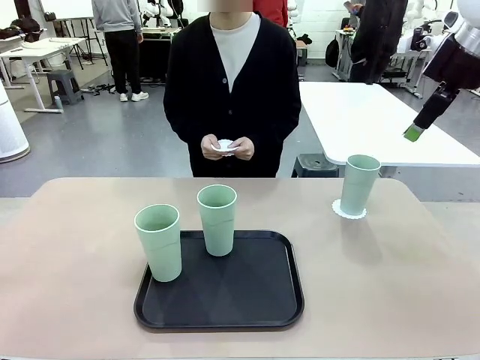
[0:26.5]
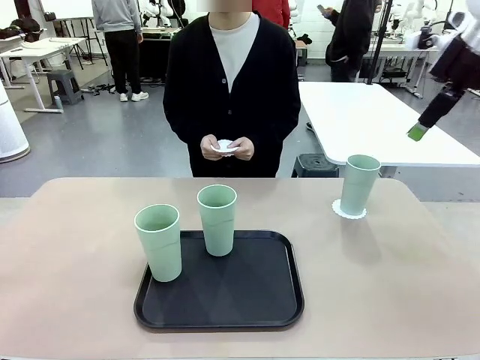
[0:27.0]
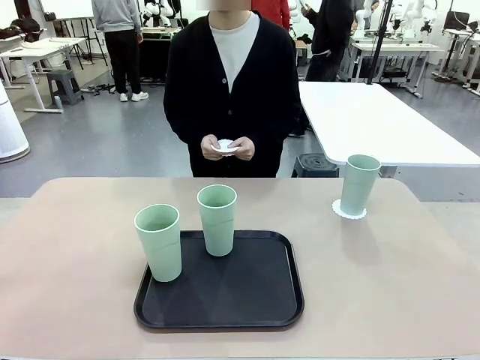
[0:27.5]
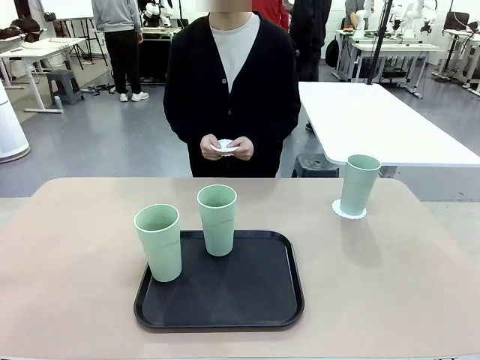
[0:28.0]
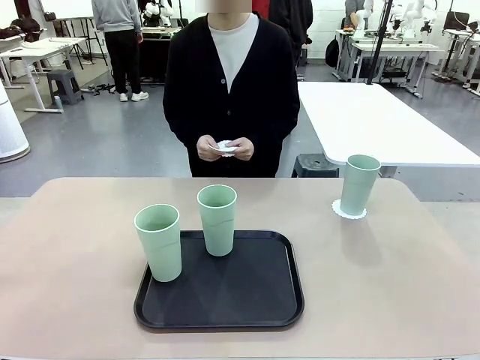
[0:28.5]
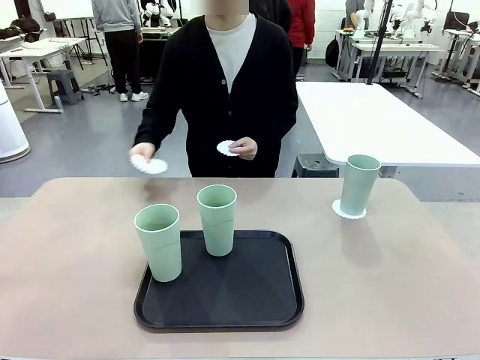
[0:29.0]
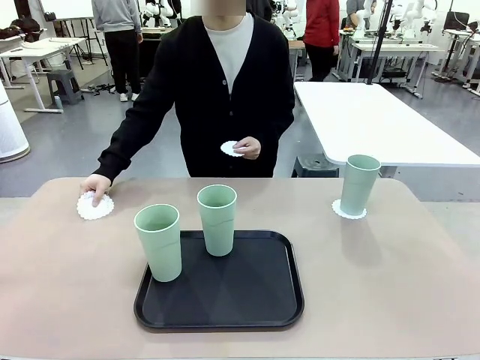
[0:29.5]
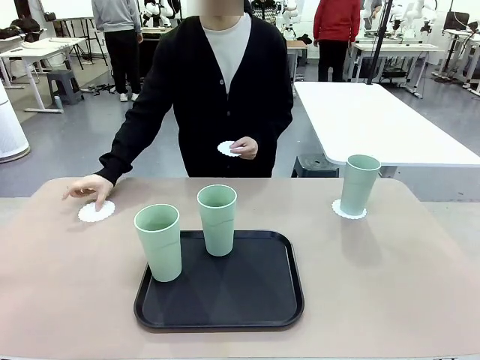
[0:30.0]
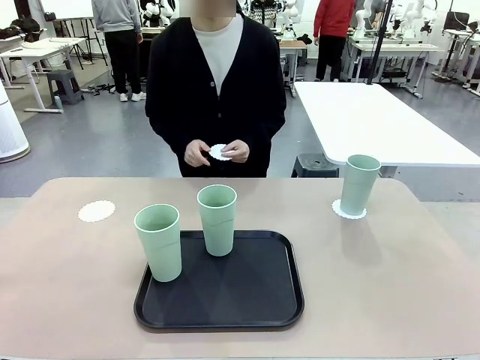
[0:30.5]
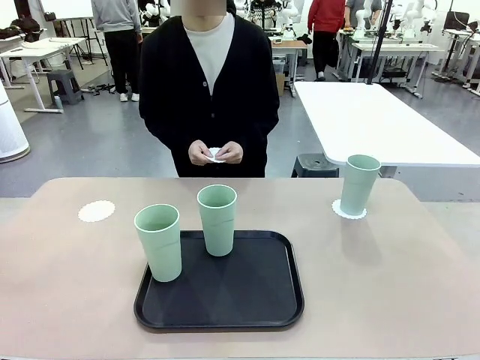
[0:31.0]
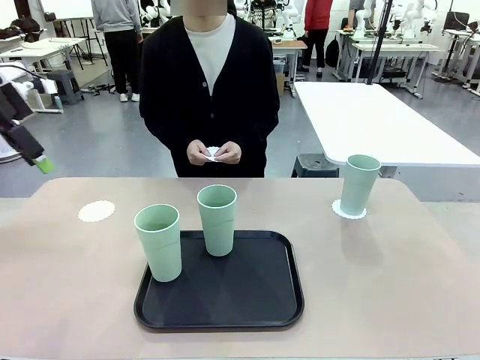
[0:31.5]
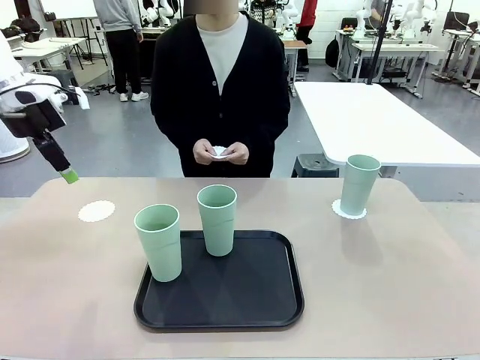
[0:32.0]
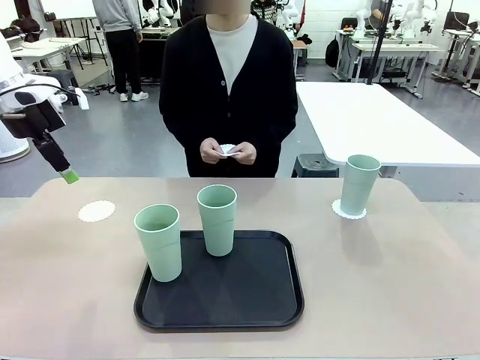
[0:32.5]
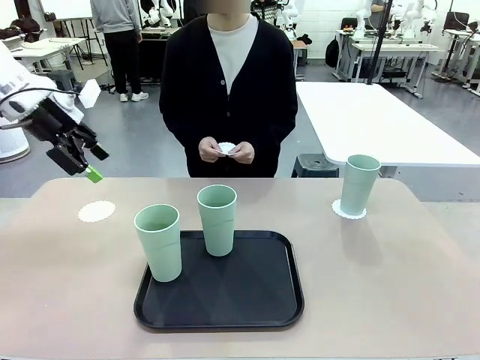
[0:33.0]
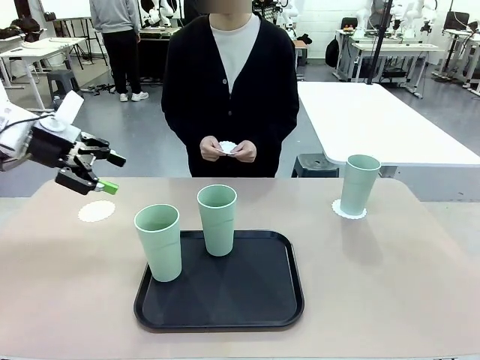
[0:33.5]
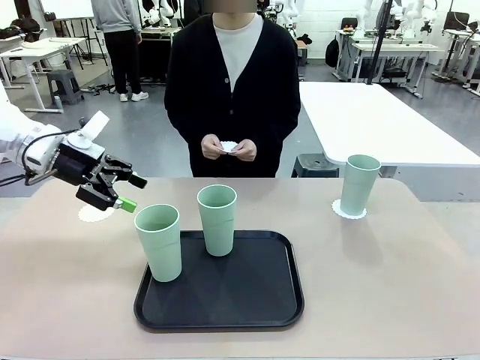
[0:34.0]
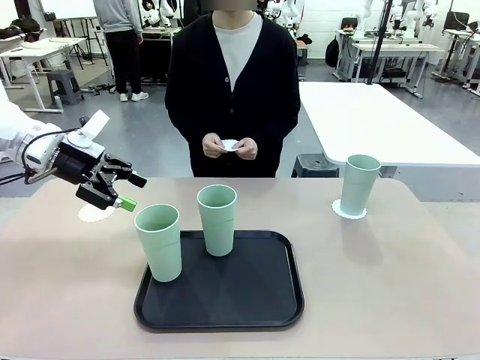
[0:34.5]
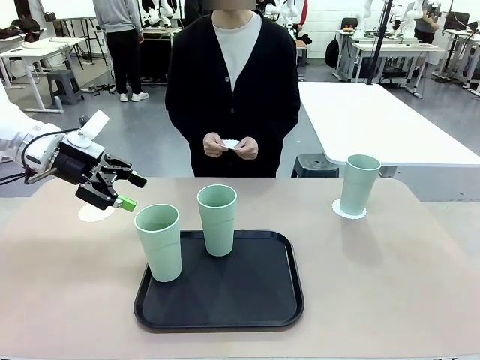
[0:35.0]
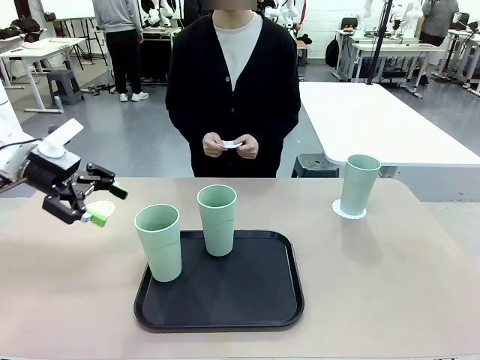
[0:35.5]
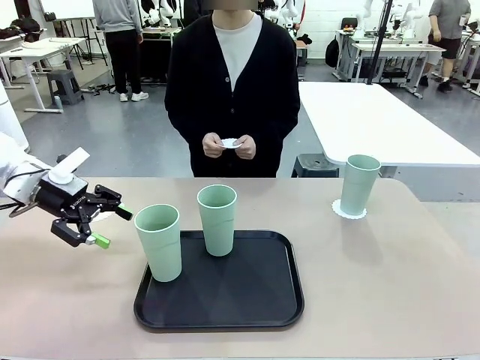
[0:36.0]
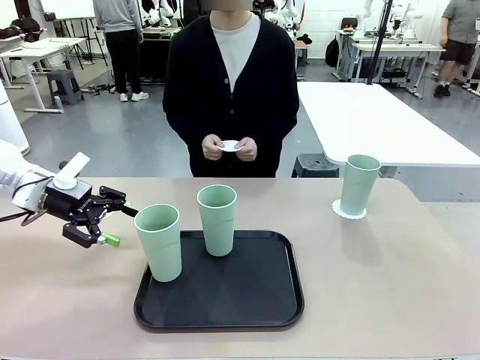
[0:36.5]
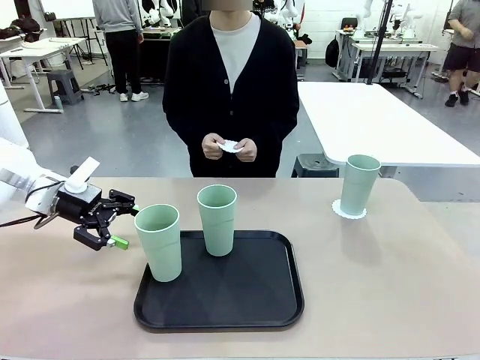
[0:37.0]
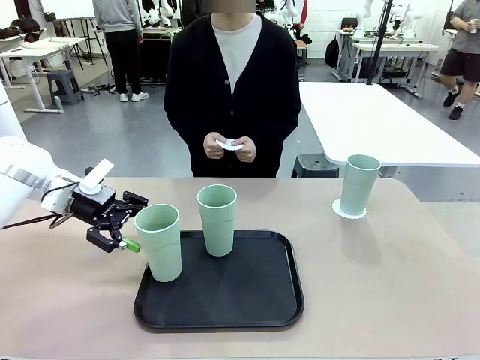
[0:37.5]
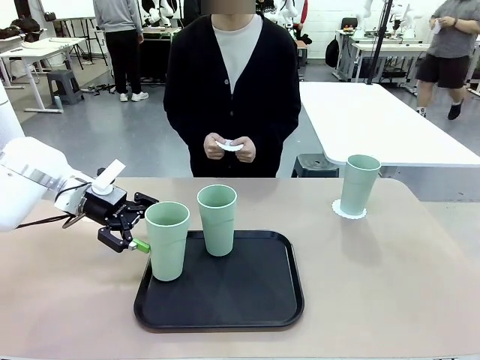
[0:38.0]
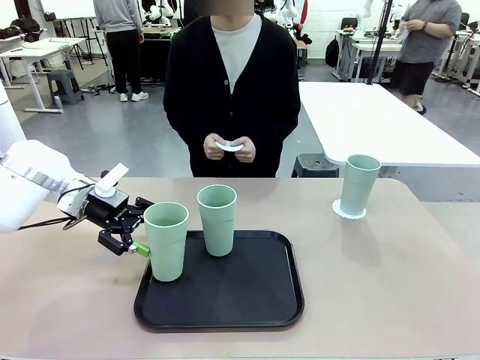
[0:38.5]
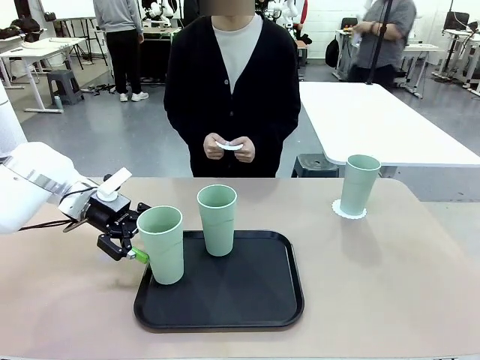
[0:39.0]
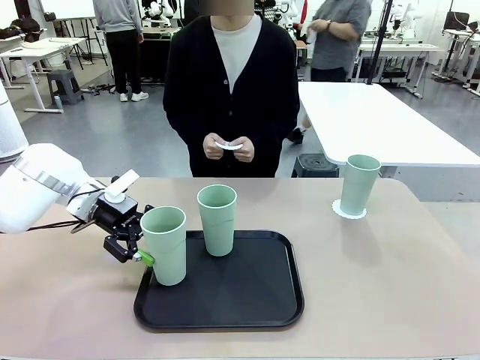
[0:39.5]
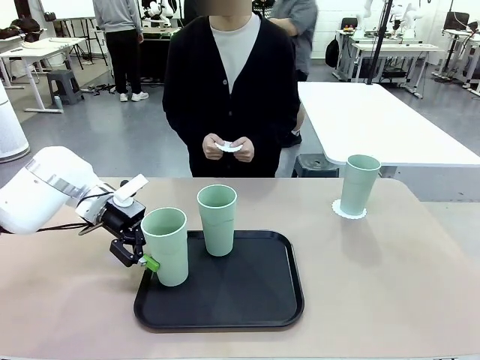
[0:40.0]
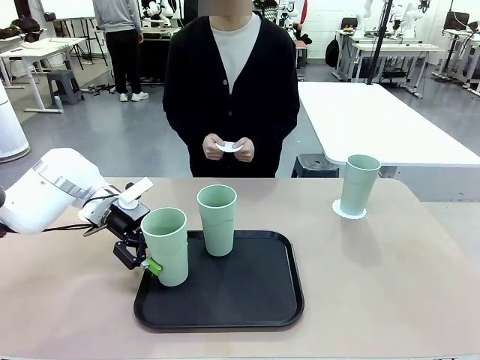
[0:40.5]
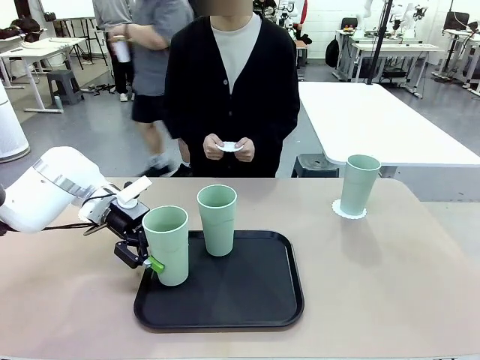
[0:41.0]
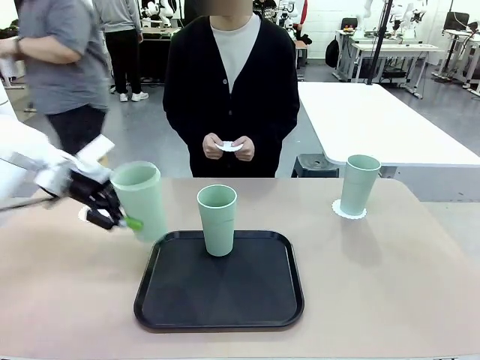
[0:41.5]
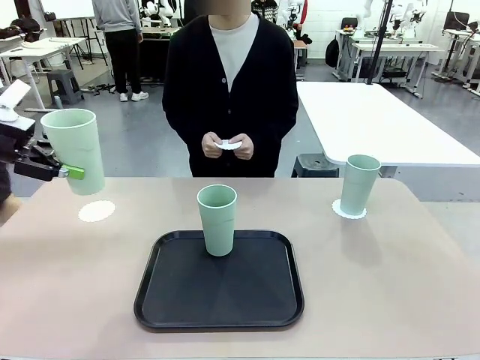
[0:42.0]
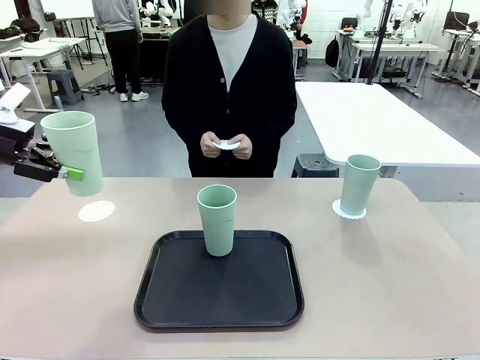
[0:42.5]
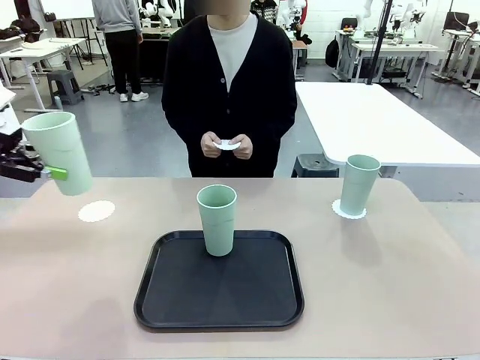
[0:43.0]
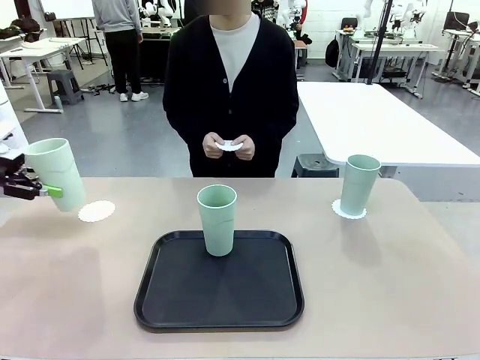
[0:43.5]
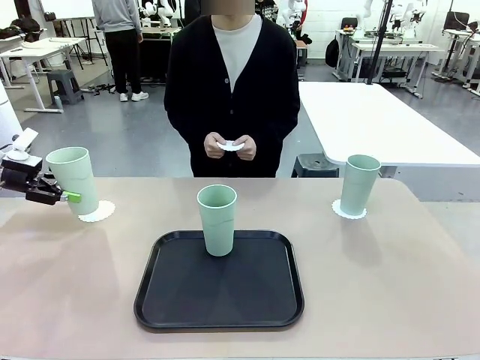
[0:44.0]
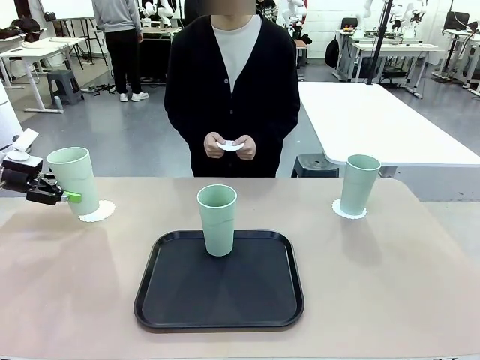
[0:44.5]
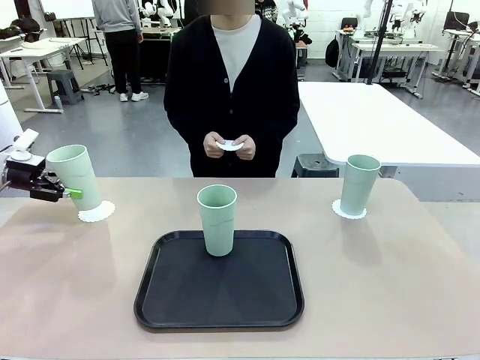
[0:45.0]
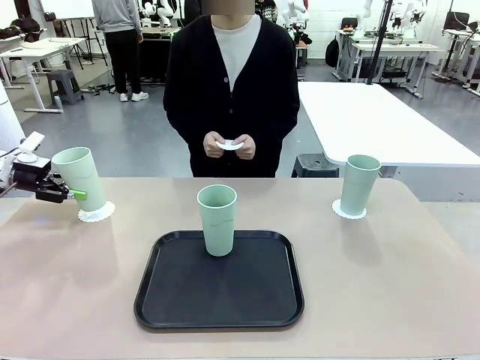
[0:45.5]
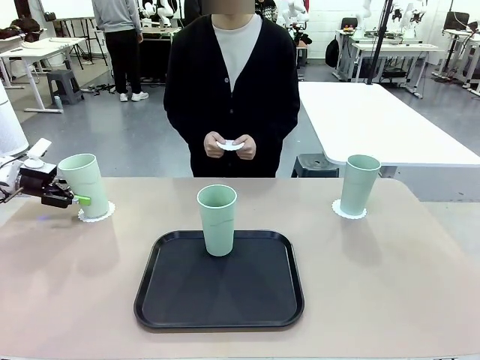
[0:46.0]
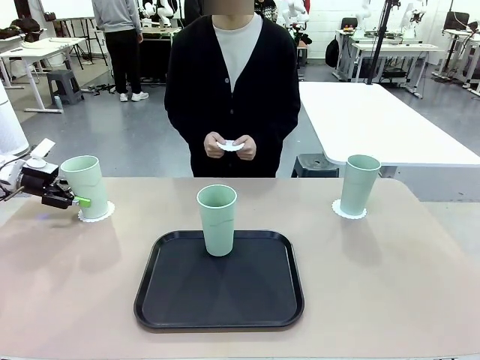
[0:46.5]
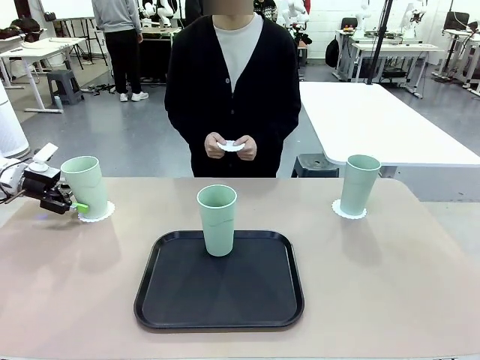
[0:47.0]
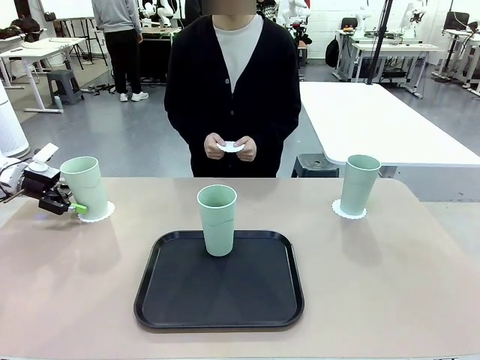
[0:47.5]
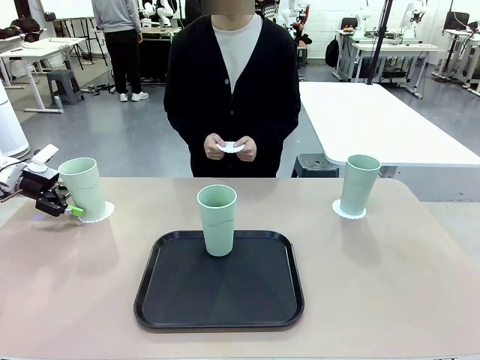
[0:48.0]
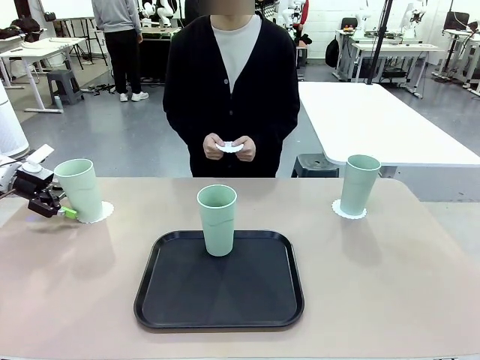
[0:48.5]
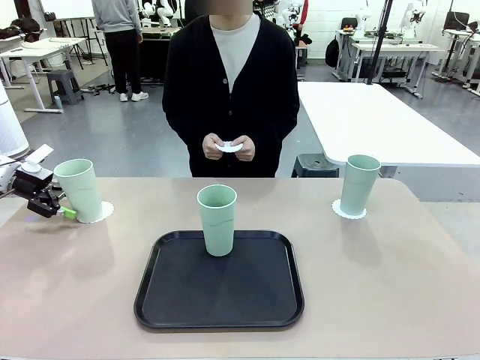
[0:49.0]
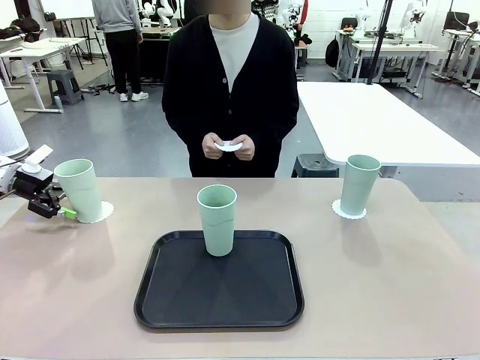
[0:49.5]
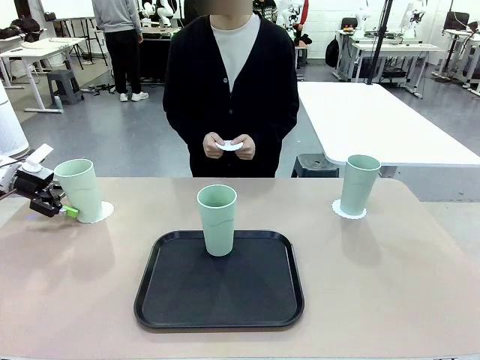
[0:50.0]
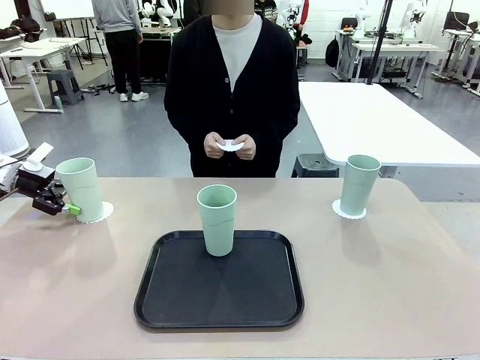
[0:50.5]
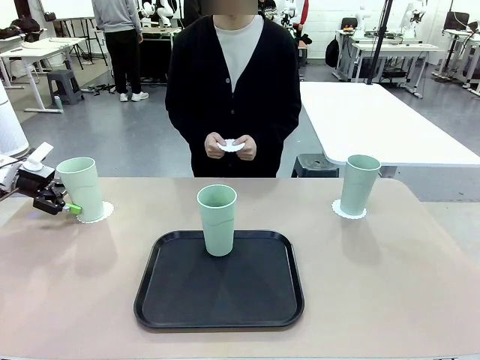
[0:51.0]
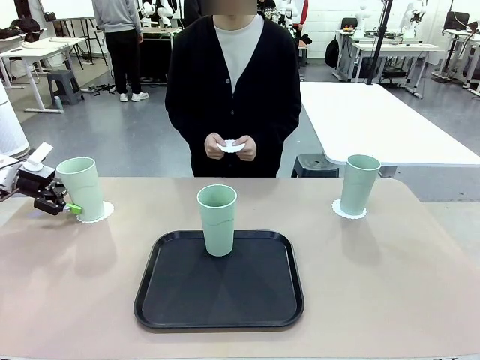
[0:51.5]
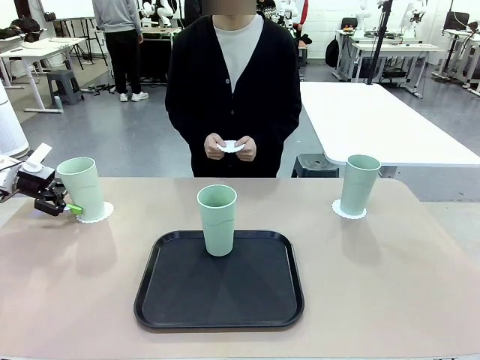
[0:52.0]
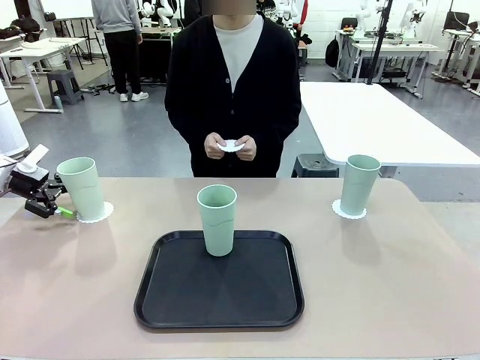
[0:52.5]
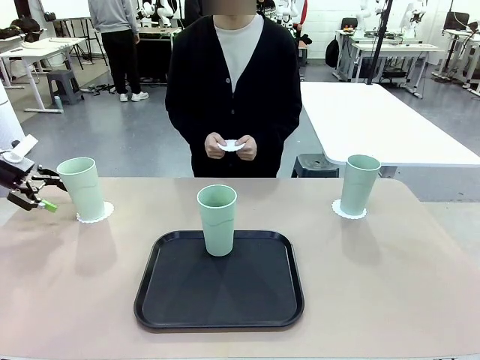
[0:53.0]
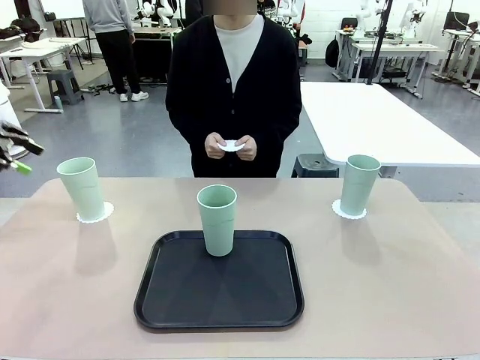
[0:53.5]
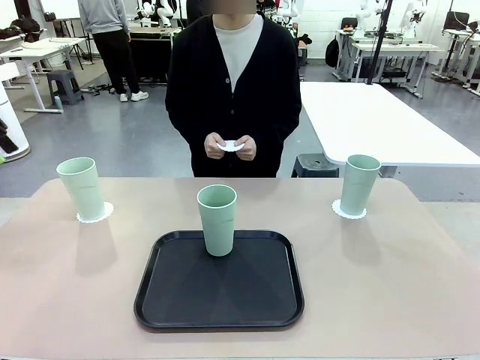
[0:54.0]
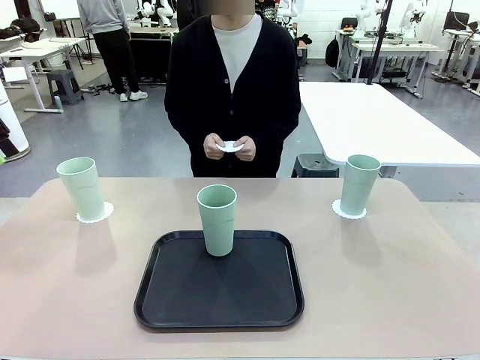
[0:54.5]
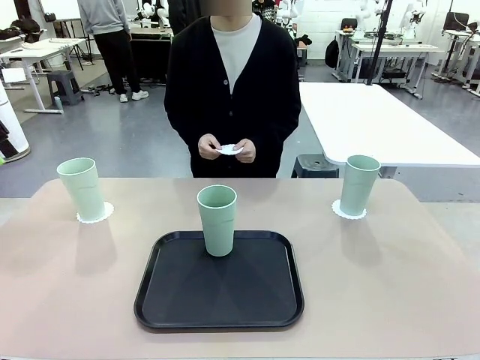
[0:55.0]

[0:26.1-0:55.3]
Task: Place coasters on the table and set cups on them.
Robot: Take one Reusable plastic cup from the Flat Tray and place it on a coaster set by the human.
